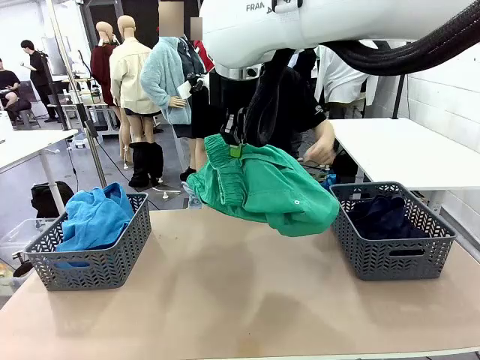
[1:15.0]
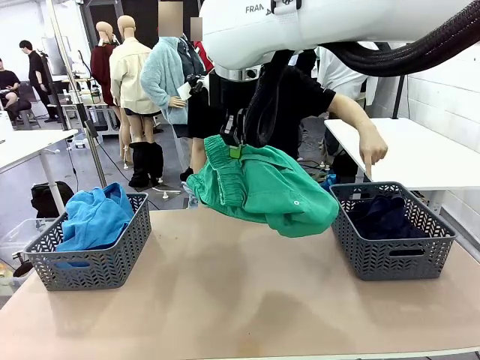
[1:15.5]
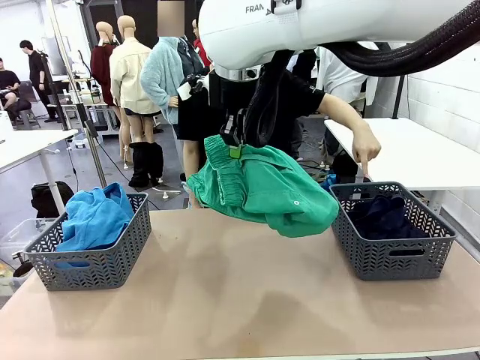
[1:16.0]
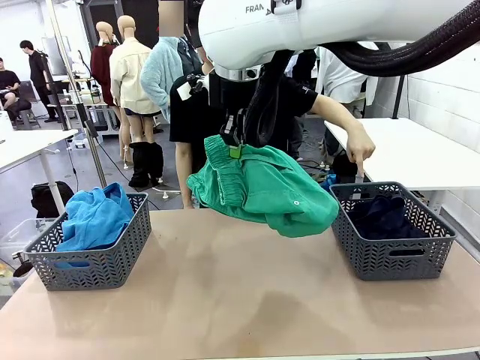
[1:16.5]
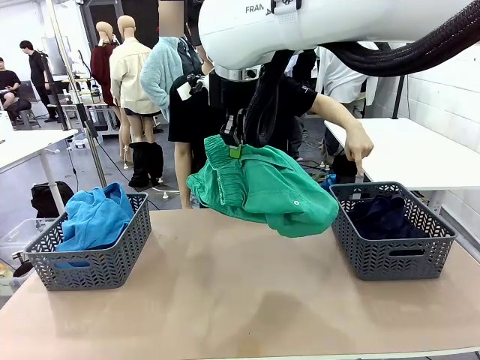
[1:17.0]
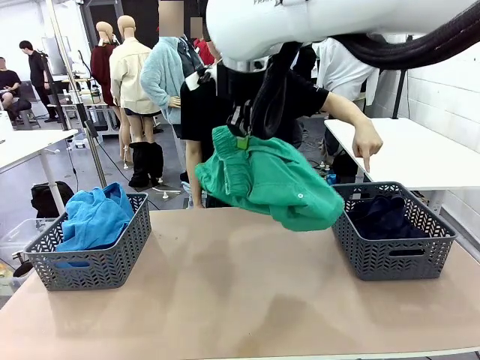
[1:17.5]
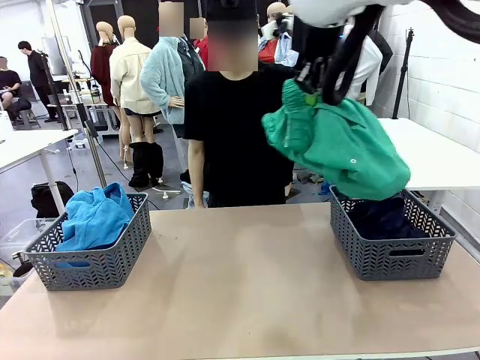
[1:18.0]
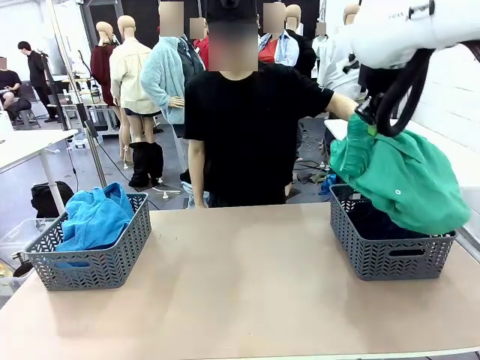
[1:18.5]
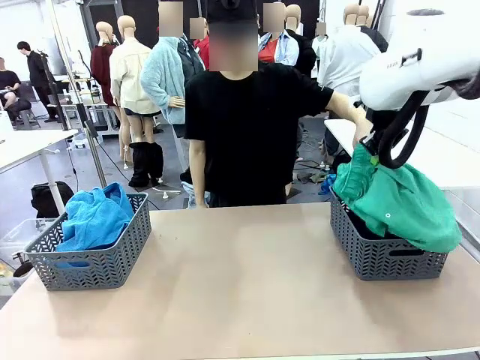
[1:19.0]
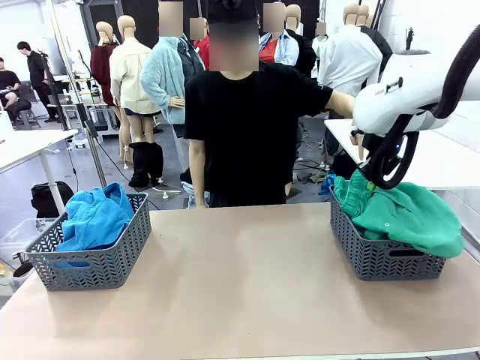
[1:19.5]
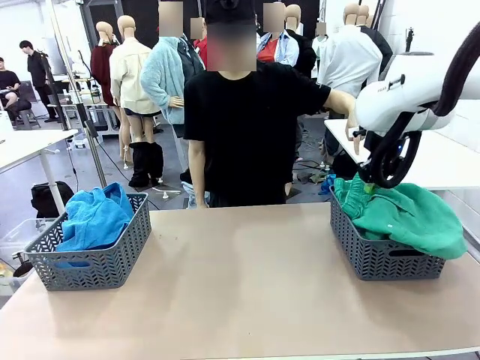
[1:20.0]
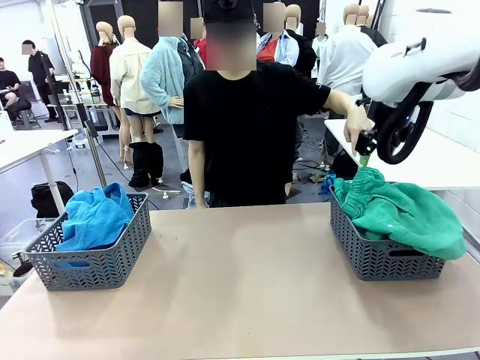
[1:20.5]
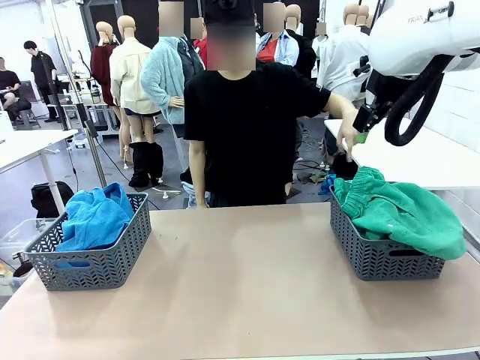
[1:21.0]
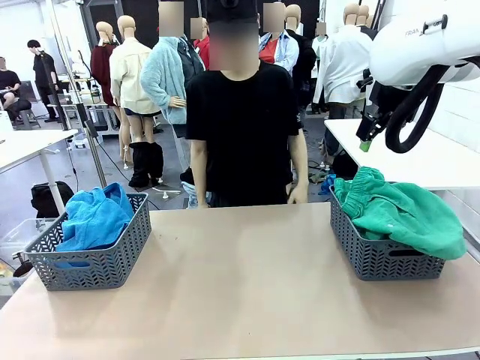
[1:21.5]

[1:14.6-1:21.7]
Task: Sort the tops and bottoms.
Robot: Sort the clothes according to human instructions.
